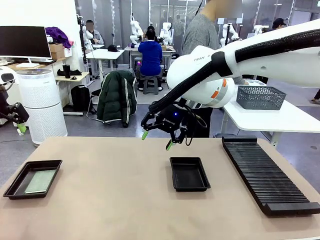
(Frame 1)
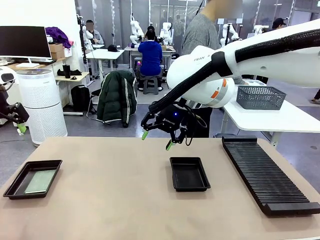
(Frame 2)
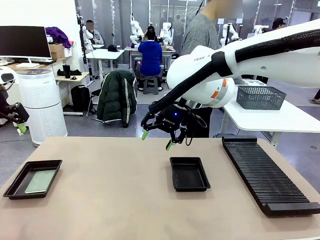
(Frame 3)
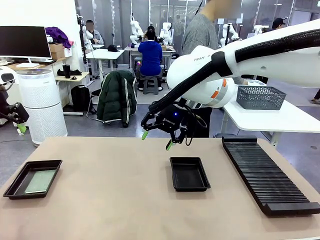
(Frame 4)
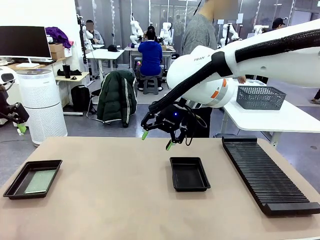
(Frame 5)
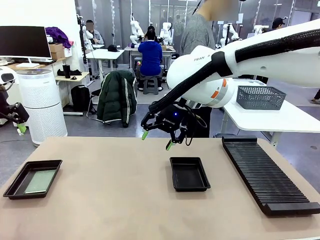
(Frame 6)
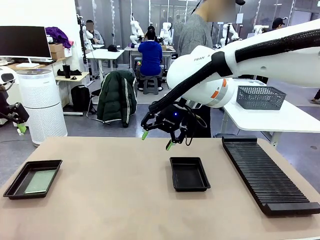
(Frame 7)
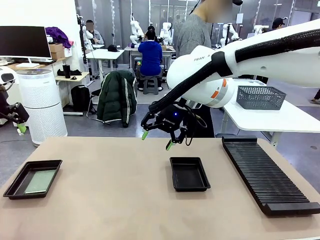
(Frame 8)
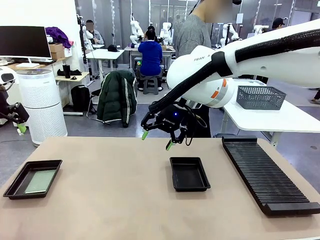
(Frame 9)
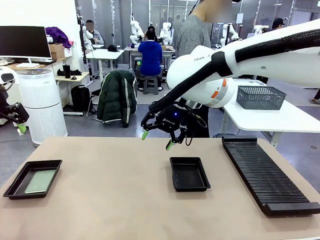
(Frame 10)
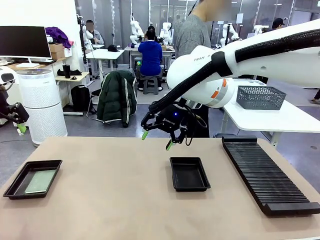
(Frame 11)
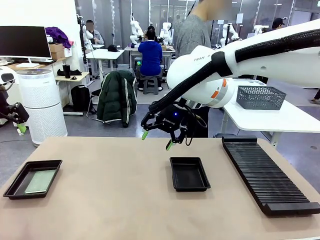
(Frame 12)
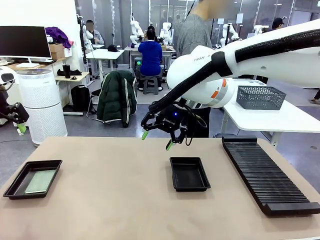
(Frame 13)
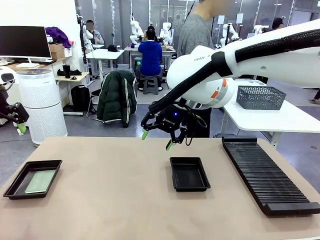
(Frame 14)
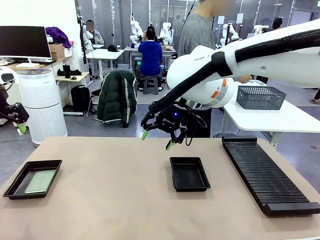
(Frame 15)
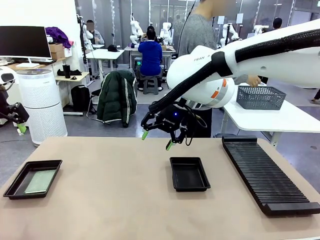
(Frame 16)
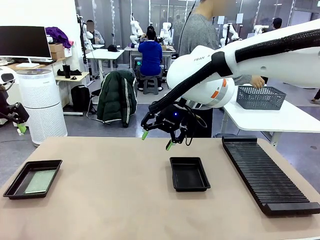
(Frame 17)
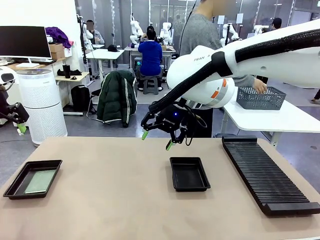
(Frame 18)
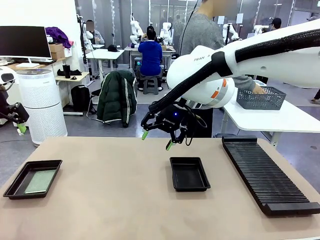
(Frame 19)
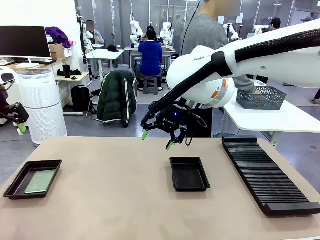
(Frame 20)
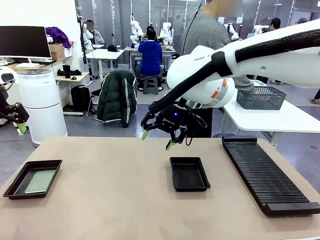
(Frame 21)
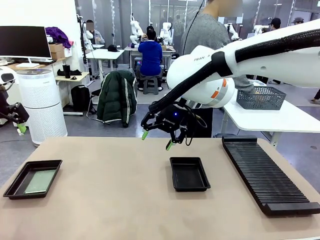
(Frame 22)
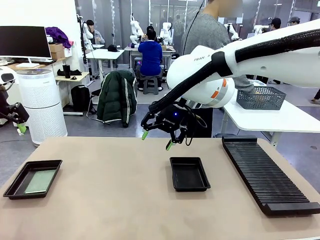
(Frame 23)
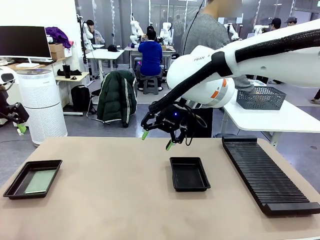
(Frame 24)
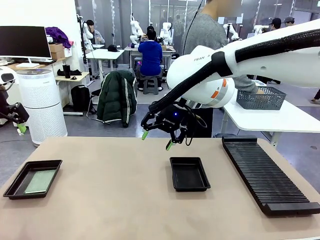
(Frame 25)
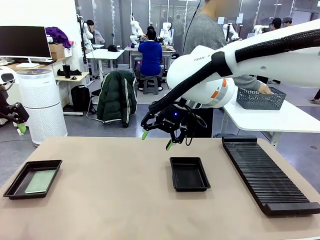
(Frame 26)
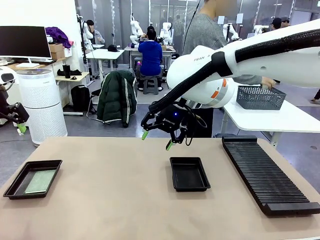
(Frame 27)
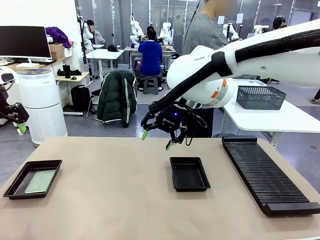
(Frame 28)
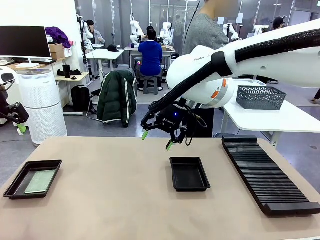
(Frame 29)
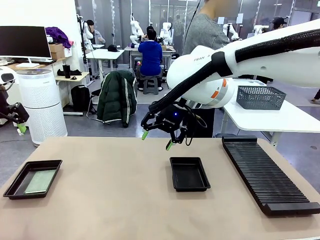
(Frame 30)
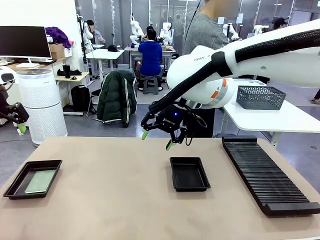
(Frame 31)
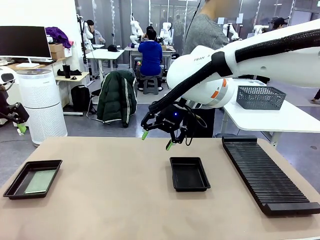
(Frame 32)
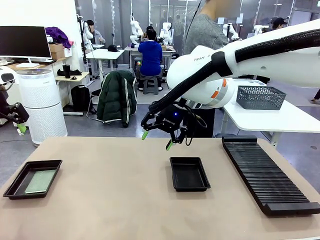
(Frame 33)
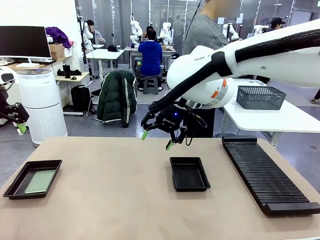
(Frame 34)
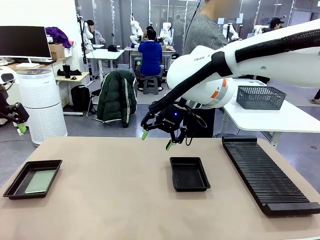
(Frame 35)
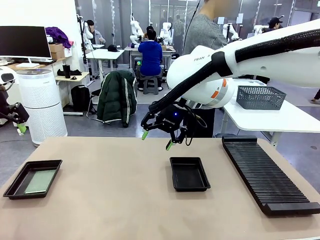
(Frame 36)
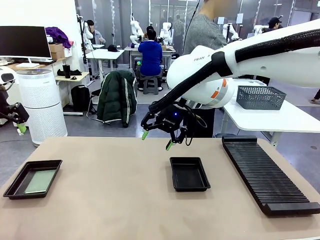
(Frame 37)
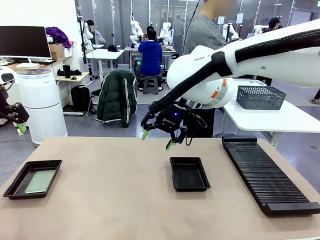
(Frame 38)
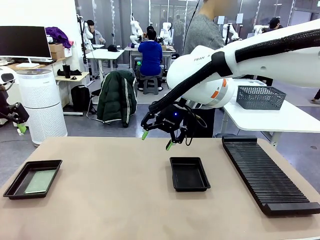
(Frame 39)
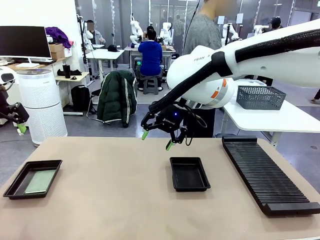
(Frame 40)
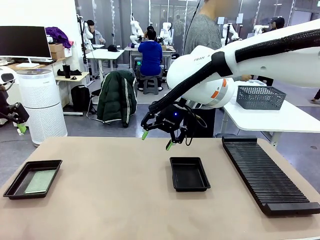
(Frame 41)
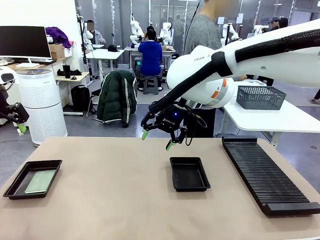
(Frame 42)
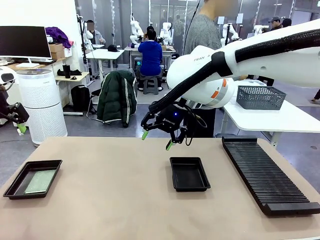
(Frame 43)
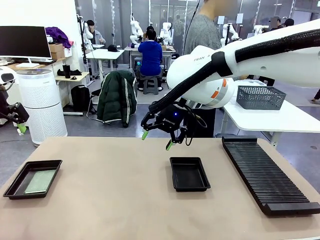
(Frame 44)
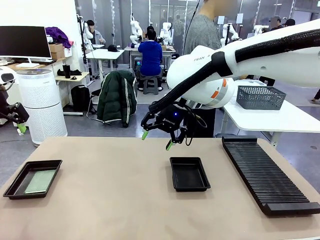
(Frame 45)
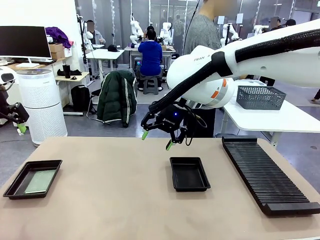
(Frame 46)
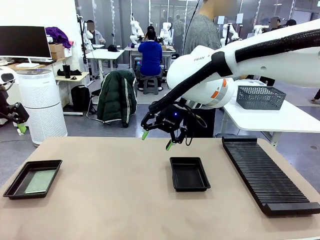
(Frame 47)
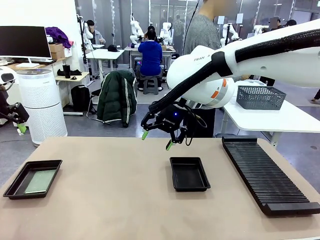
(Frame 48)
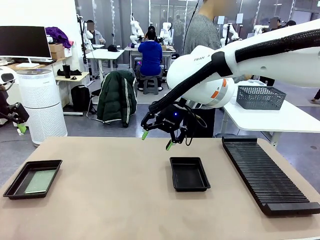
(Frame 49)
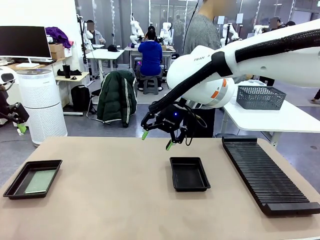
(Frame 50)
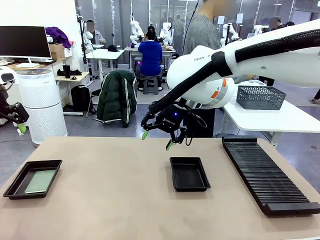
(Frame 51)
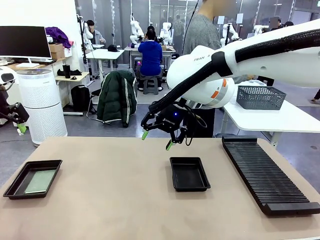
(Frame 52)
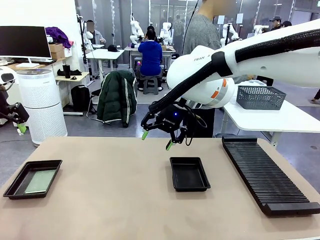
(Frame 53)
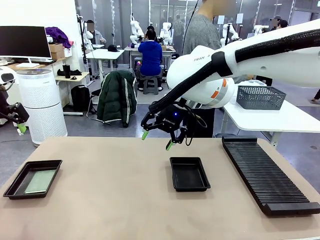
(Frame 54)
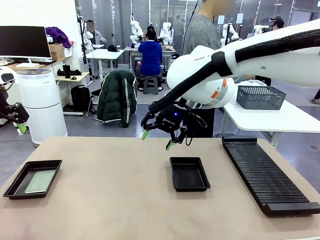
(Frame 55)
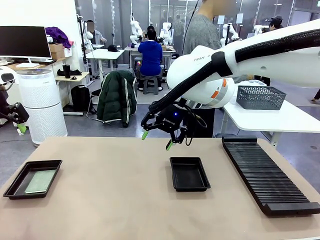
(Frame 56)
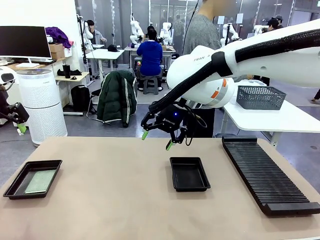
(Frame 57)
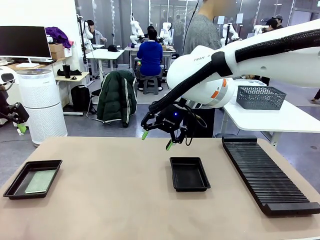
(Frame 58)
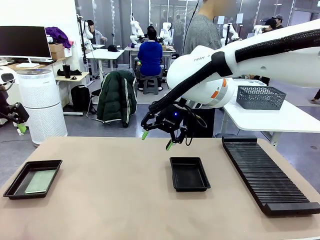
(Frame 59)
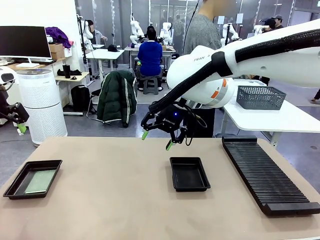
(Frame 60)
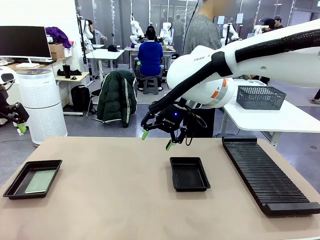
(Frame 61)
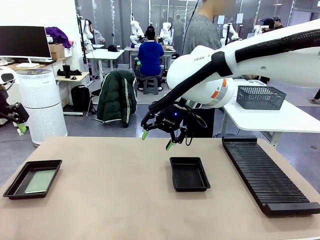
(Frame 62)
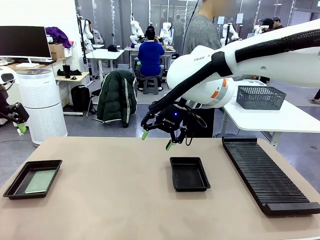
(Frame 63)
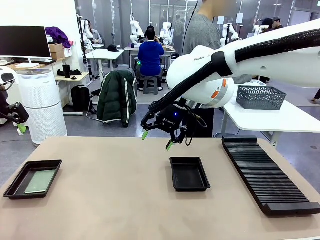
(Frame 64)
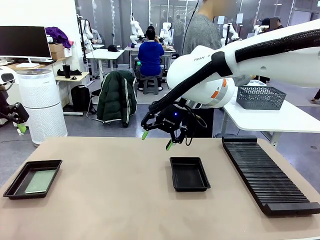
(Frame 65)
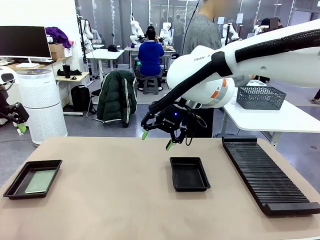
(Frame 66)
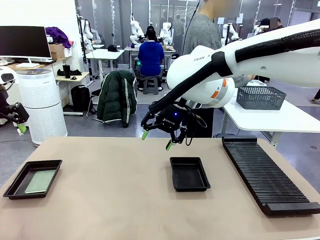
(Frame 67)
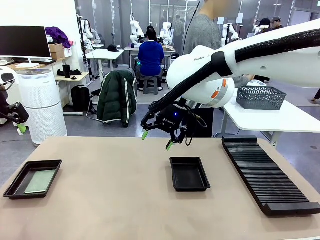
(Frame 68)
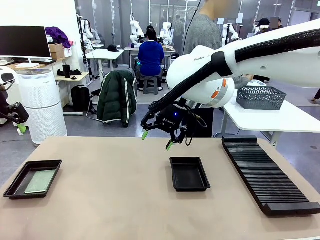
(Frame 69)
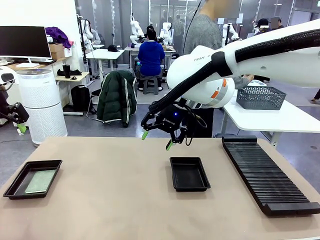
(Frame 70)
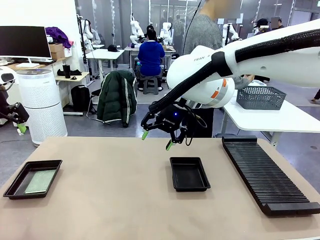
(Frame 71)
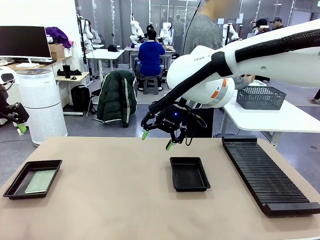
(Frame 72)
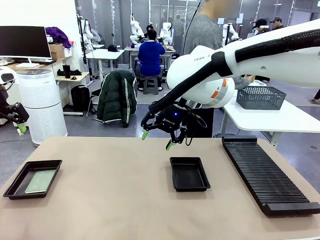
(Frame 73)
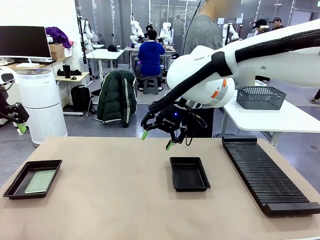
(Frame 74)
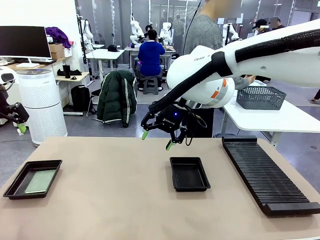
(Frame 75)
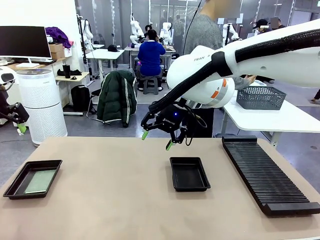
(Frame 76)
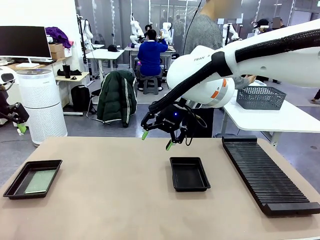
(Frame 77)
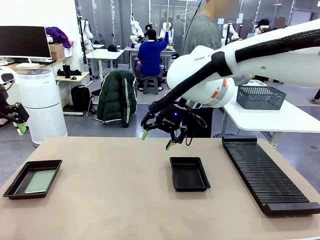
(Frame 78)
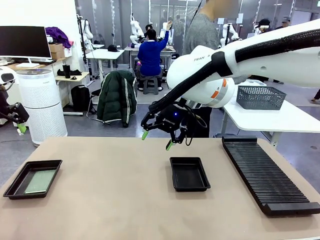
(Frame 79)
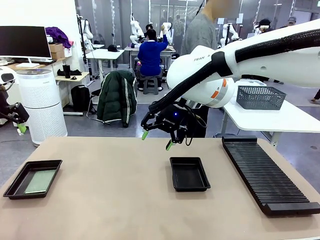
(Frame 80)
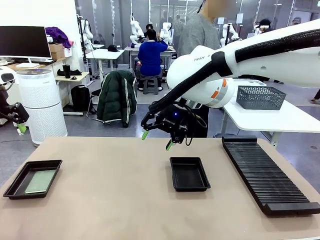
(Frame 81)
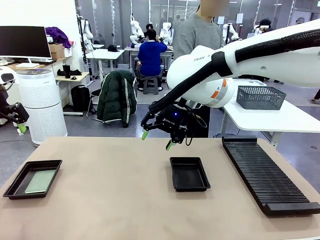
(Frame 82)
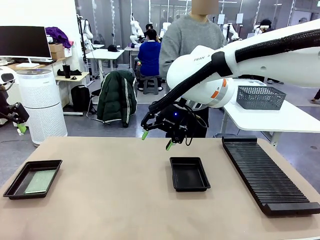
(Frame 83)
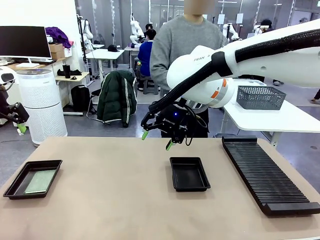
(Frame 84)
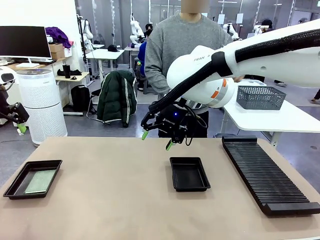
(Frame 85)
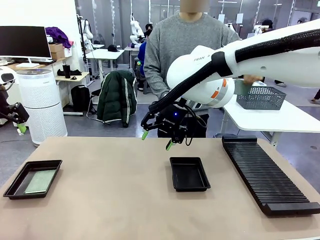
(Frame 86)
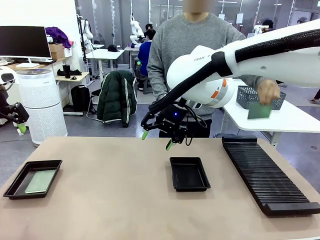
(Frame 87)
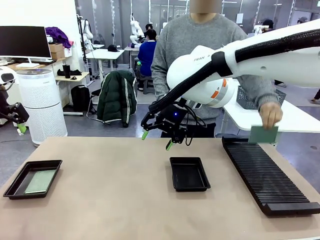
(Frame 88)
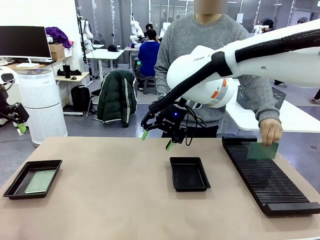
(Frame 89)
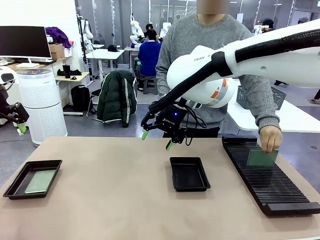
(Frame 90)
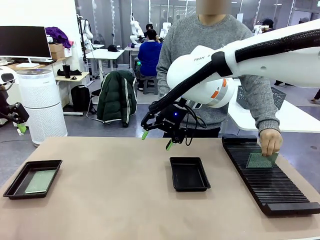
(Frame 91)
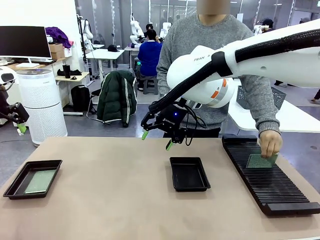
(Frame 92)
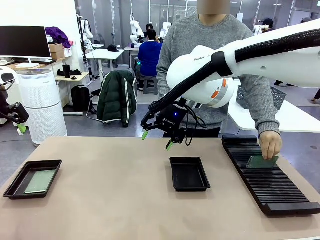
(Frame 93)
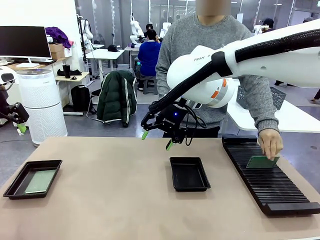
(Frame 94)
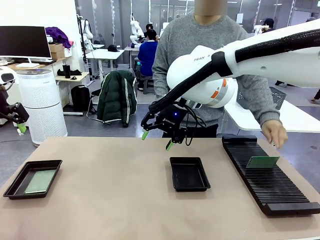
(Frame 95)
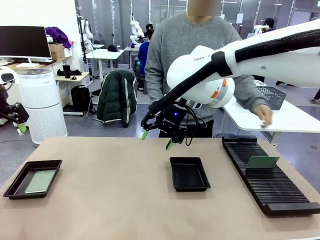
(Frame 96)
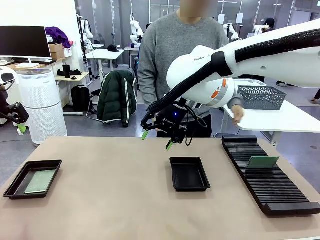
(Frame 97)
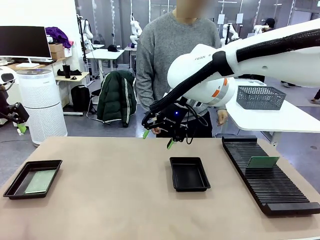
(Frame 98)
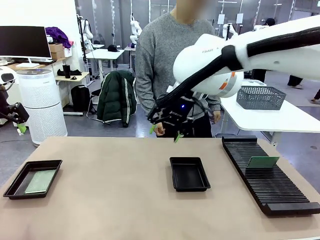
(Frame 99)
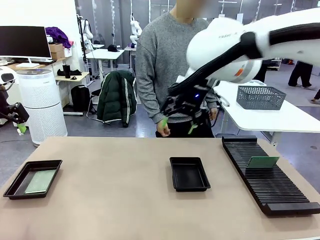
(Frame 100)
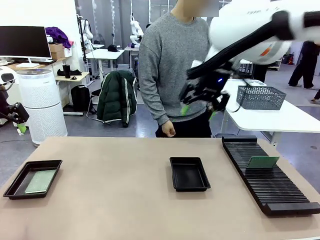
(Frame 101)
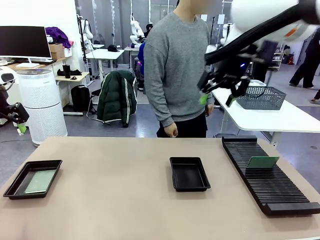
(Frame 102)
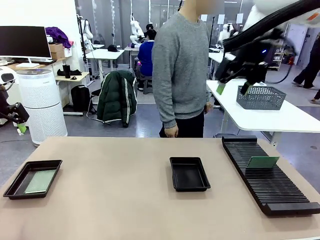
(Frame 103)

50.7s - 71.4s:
Task: Inspect and transfer BCBs to ESD trays.
Robot: Pick up the Blank PCB from the PCB Rack and place it in the right ESD tray.
